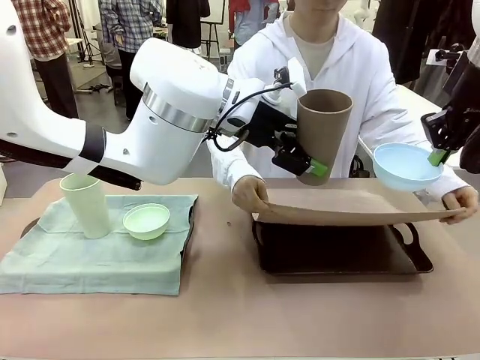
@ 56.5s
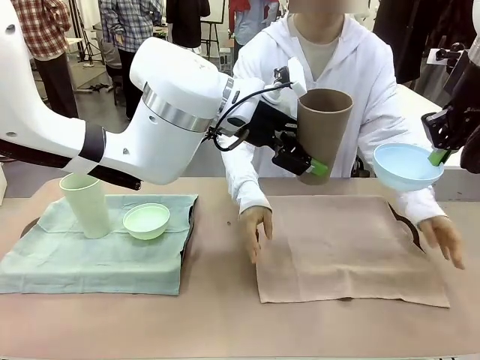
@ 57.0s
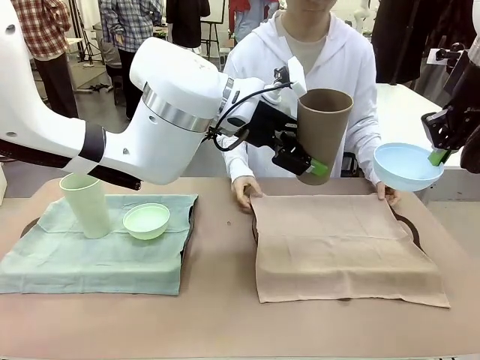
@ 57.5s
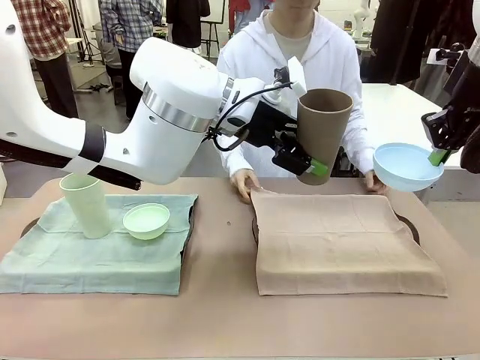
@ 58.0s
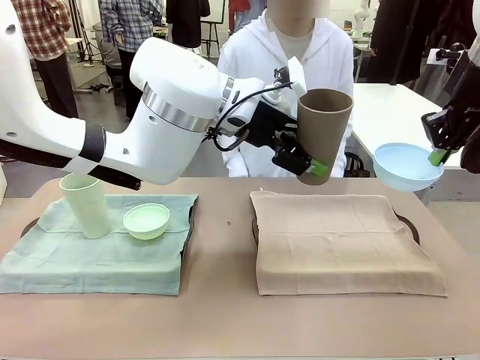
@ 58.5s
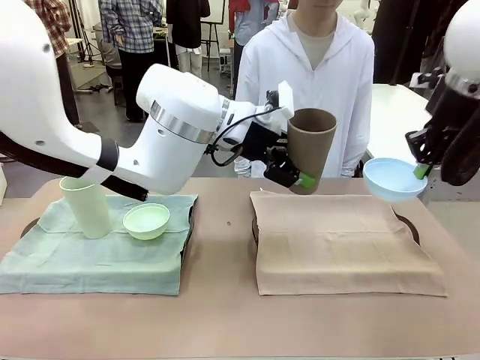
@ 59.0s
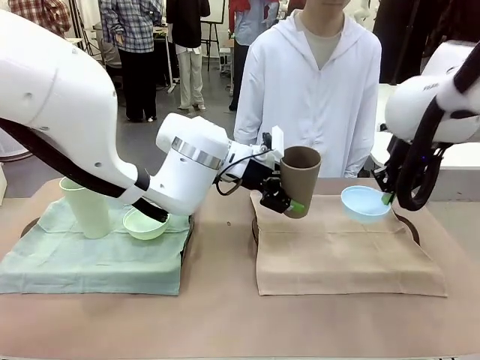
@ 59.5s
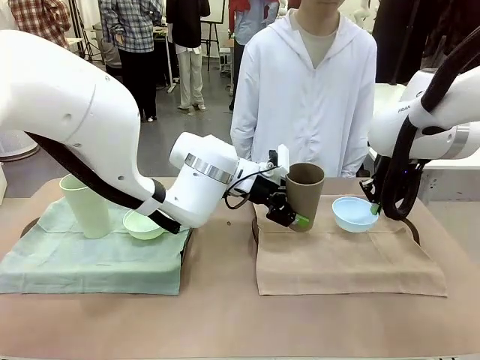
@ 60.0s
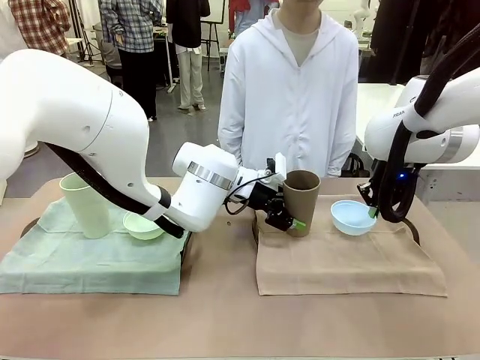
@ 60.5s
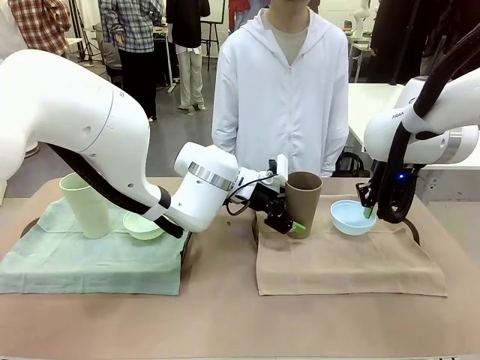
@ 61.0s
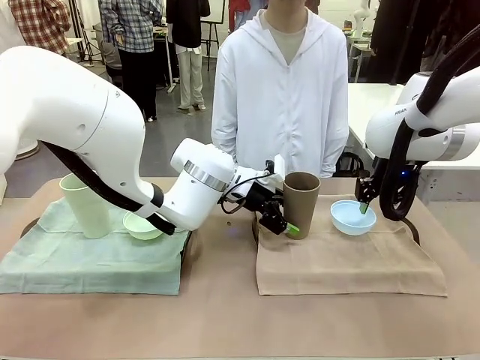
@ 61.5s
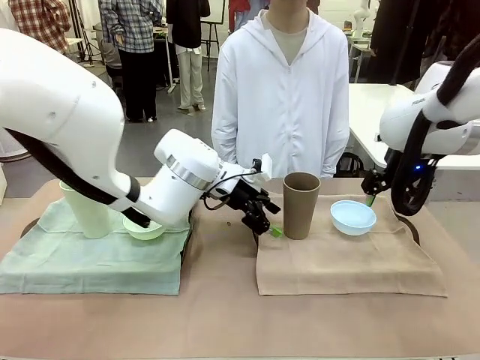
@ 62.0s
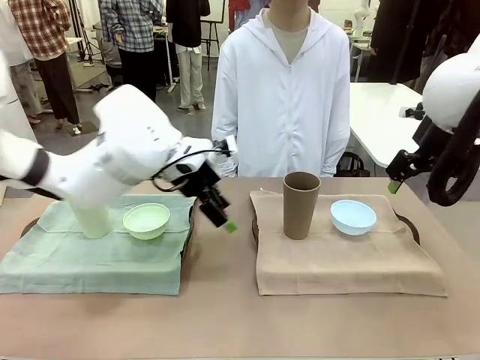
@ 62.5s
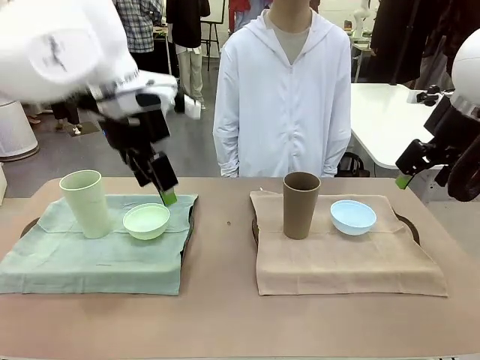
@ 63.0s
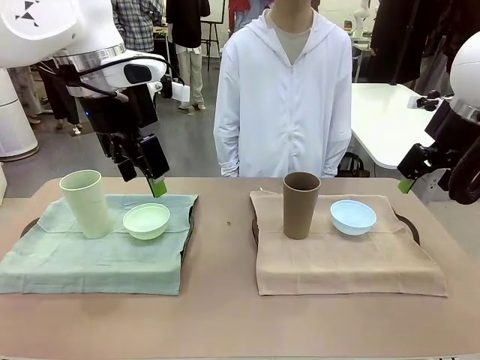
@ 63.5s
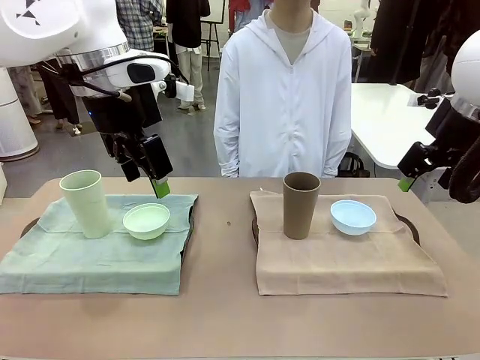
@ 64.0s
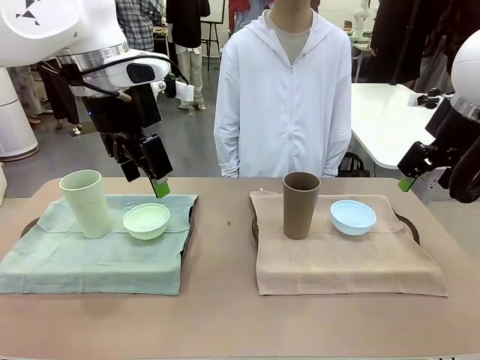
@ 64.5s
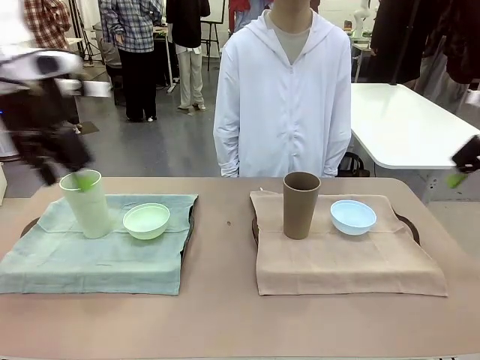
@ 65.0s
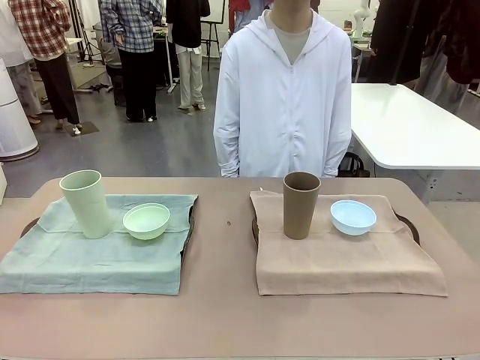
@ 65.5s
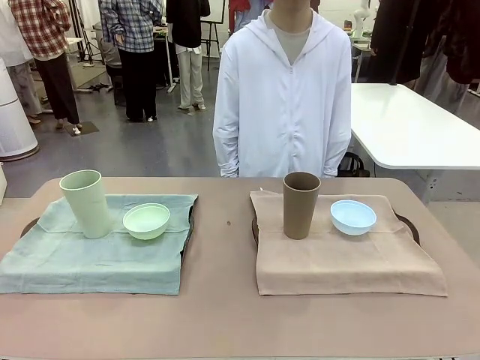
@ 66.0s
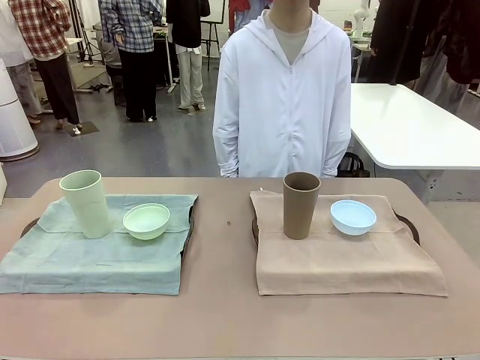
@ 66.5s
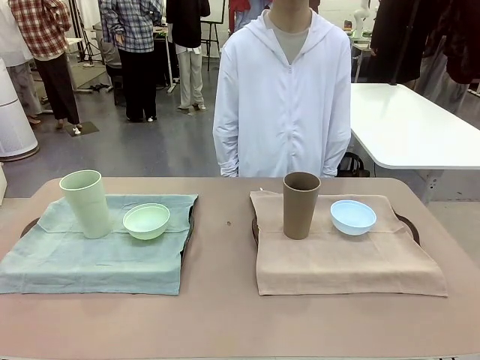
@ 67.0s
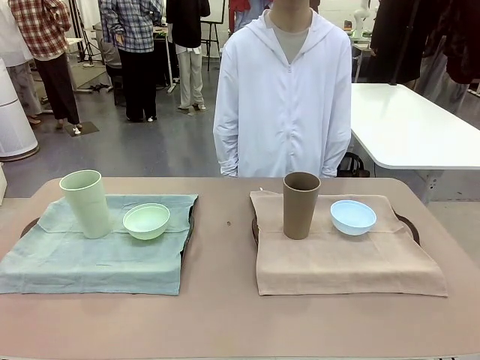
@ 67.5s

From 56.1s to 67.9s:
Robot: Place the Picnic Bowl and Reusable plastic cup back onto the Handle tray in front of the human's position.

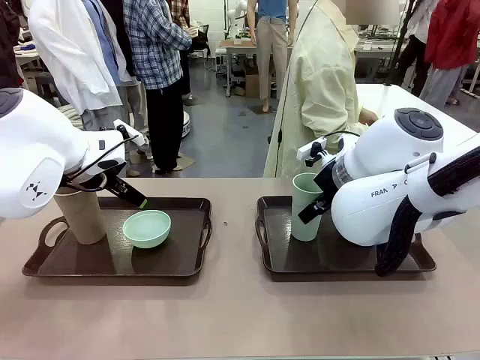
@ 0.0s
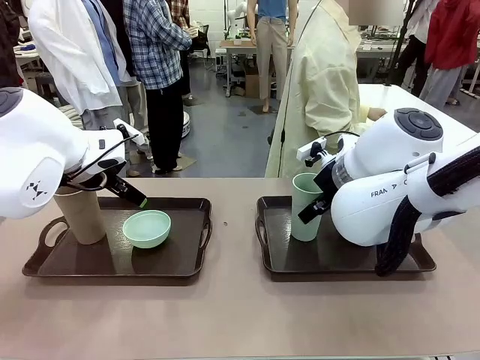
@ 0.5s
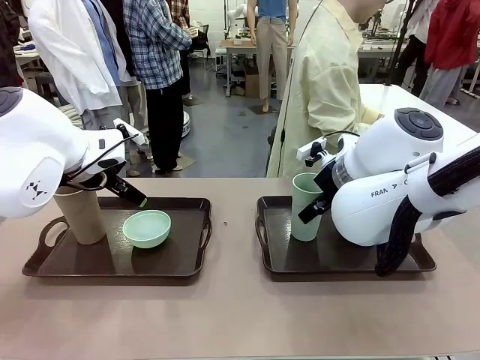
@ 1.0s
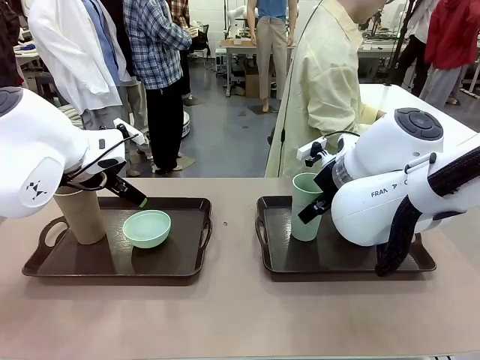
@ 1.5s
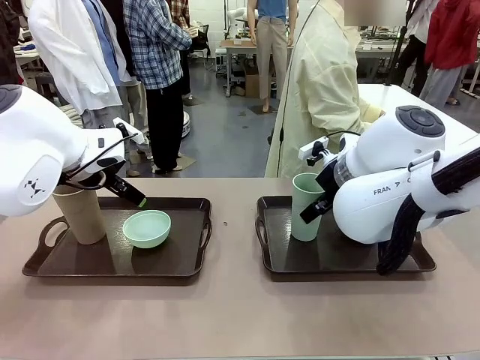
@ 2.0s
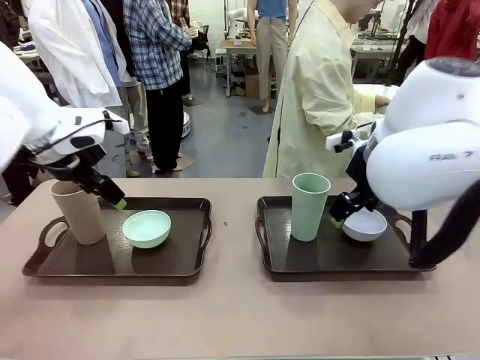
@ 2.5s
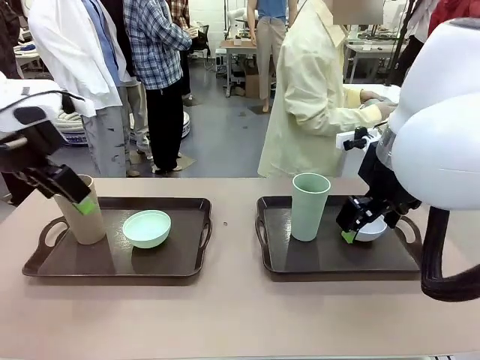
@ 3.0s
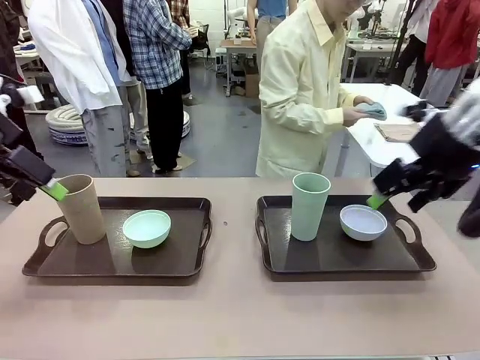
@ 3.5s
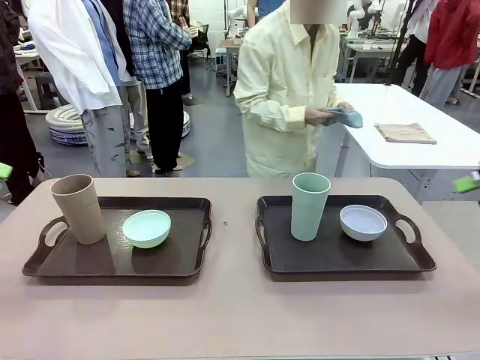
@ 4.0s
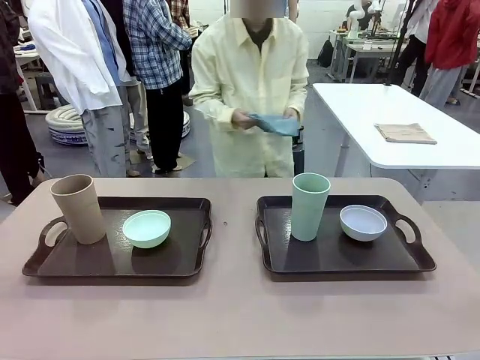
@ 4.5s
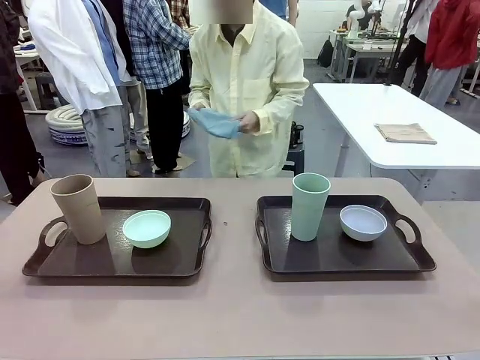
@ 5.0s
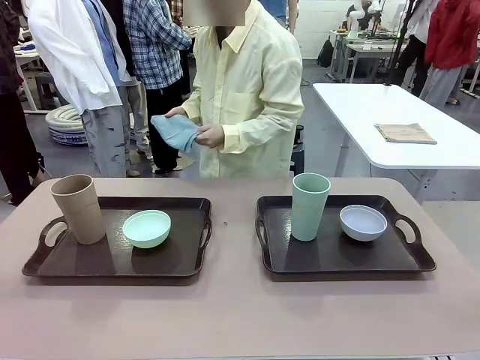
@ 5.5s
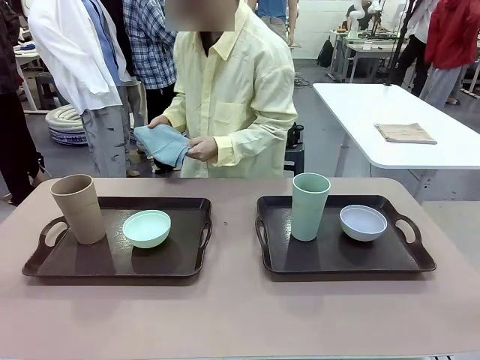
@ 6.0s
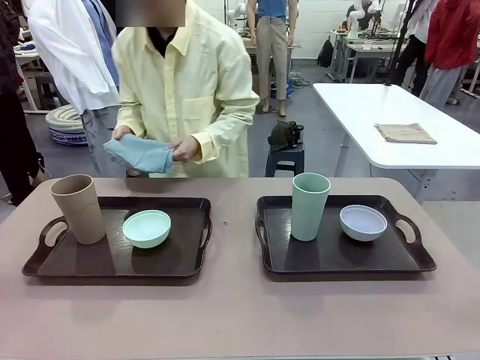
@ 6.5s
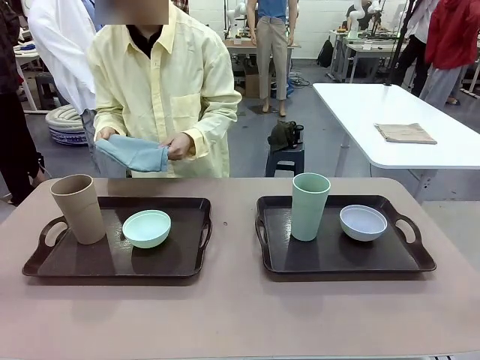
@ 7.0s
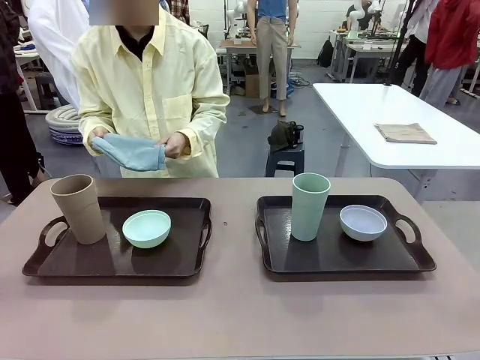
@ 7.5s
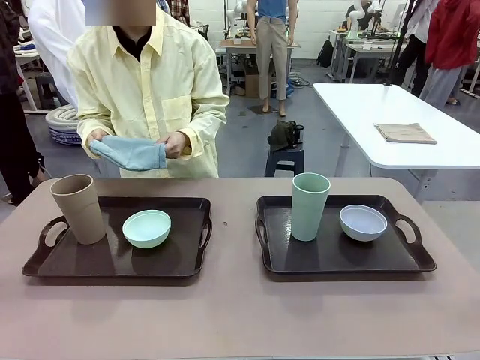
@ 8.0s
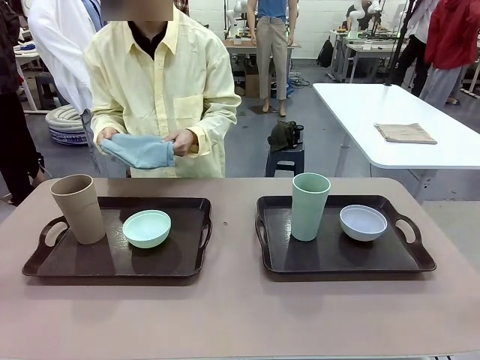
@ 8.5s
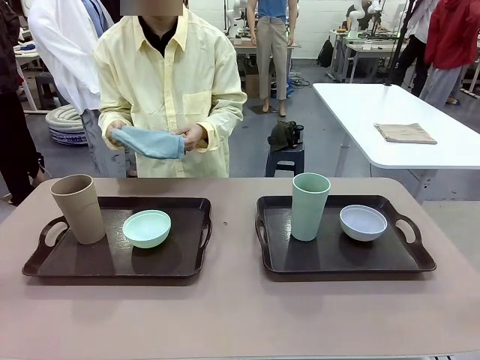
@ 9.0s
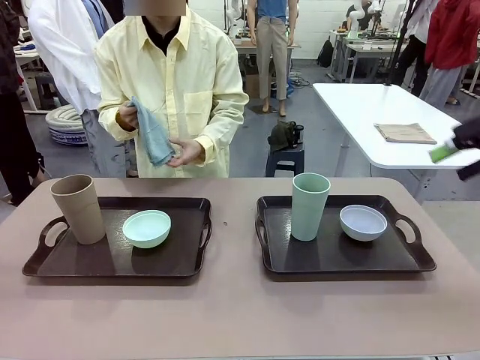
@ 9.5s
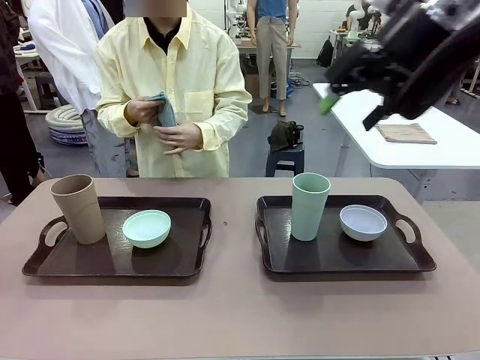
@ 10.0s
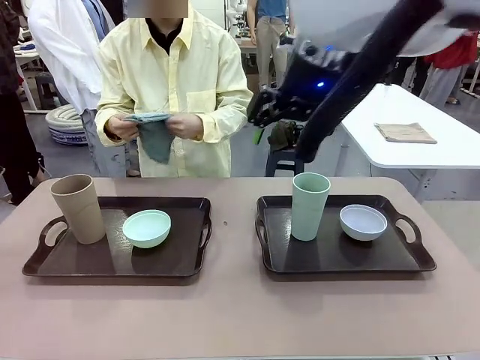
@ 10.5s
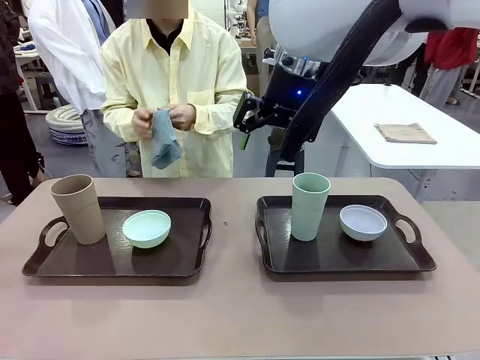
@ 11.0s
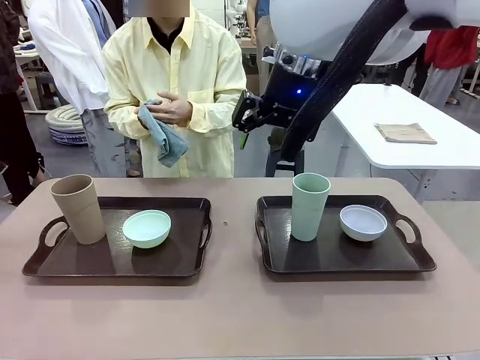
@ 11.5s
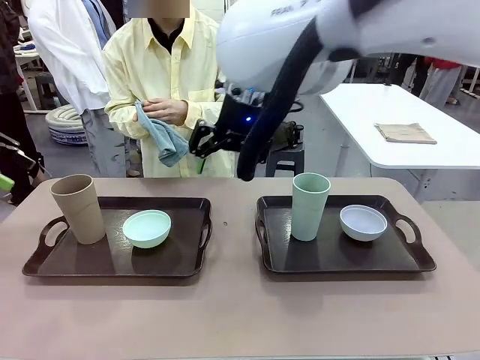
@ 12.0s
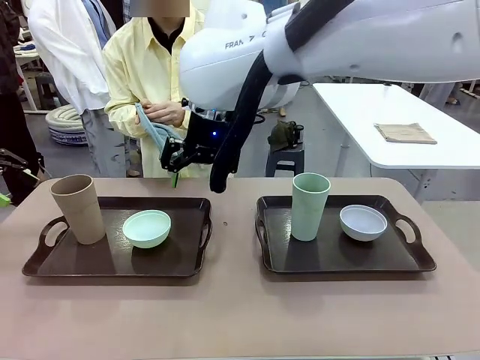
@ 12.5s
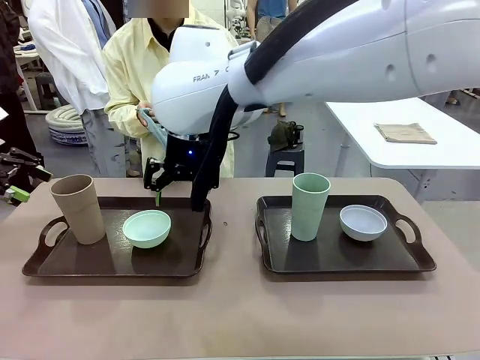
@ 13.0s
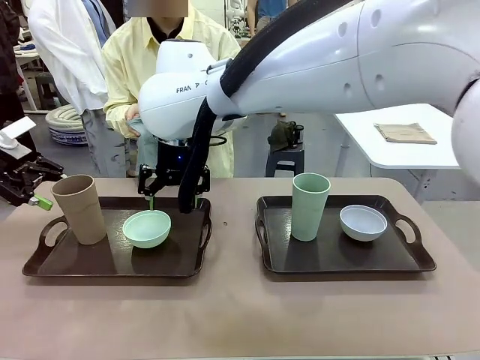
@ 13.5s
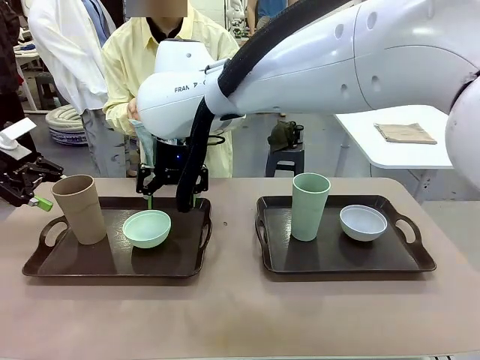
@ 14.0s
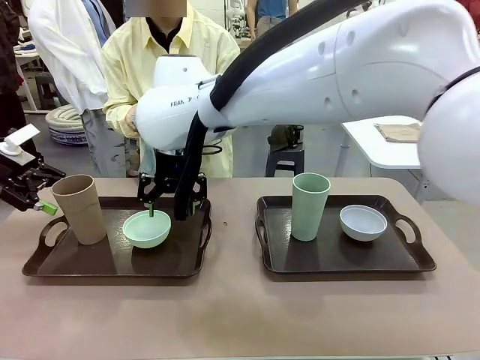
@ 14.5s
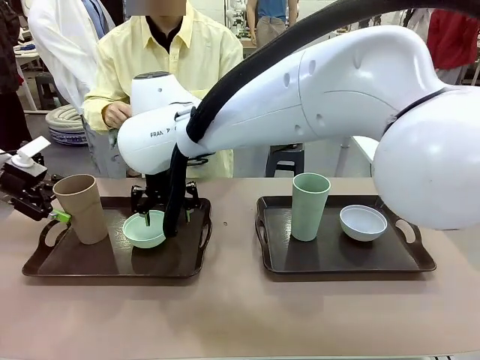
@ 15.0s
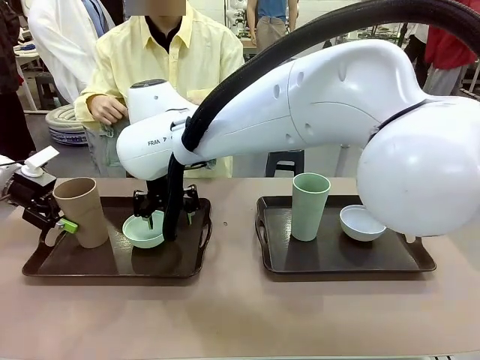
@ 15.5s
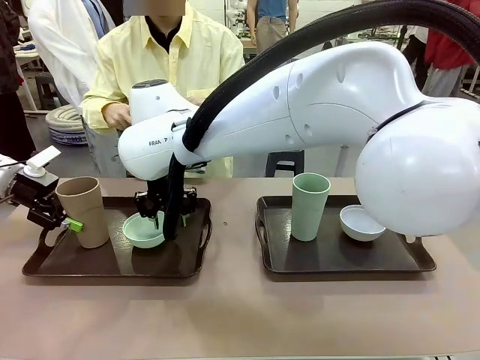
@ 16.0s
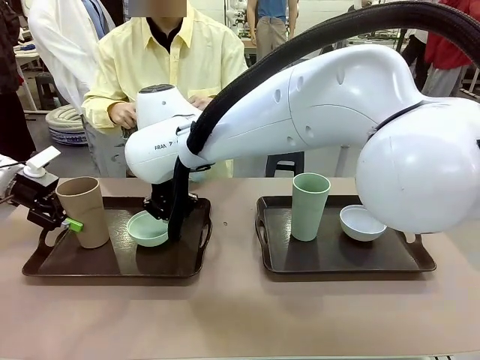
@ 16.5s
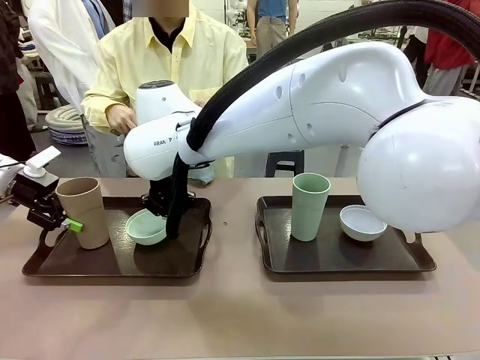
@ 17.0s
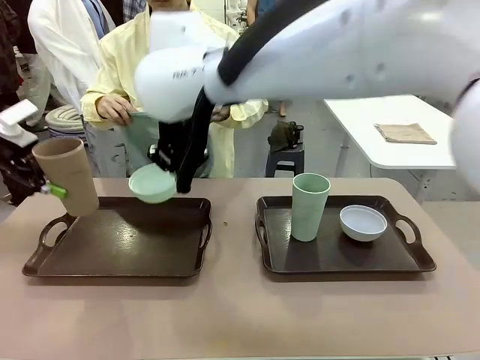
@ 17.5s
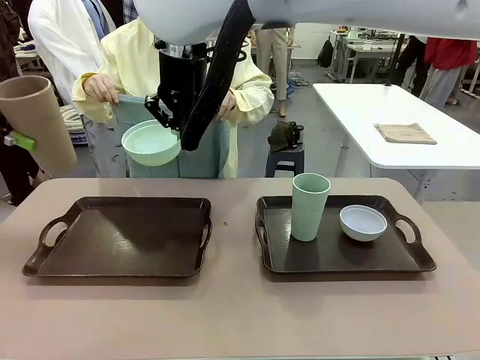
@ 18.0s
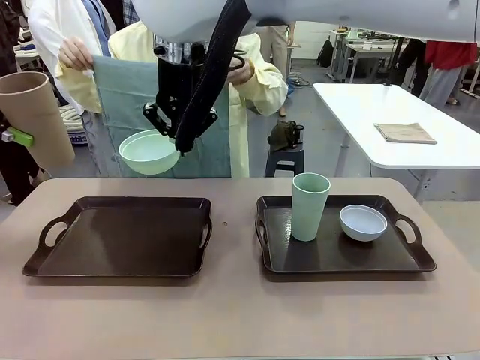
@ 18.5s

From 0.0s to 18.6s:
Robot: Pick up the Picnic Bowl and Reusable plastic cup from the Handle tray in front of the human's position and hold them in the air.
Person: The human picks up the top napkin from the stack on the human table and walks to the robot table to stand in front of one of the two trays. When the robot lifts the bowl and the cup, the human unfolds the napkin and lays the napkin flat on the tray.
